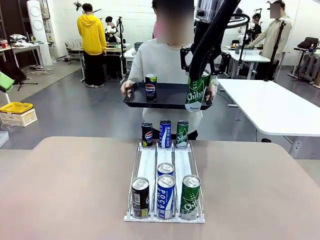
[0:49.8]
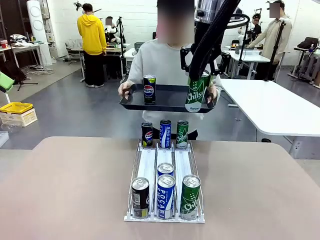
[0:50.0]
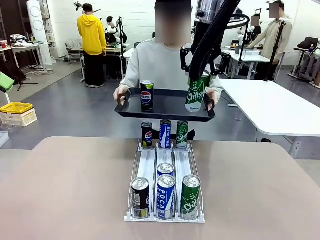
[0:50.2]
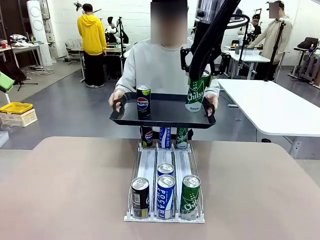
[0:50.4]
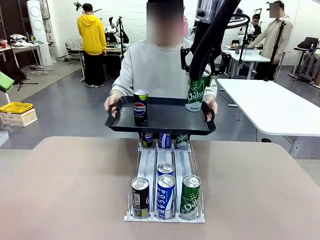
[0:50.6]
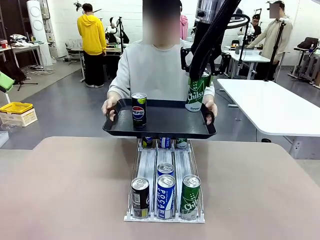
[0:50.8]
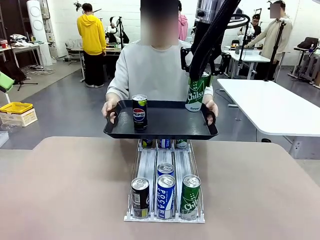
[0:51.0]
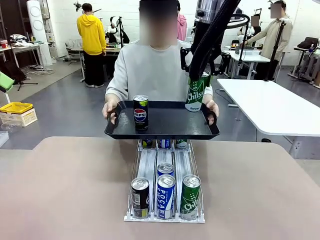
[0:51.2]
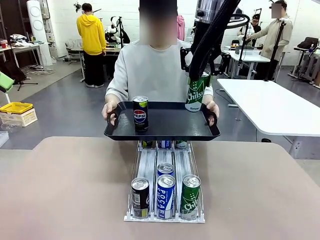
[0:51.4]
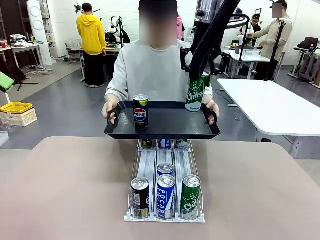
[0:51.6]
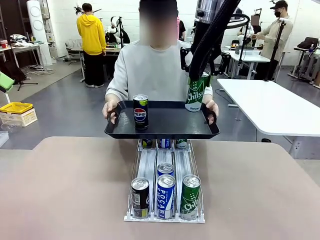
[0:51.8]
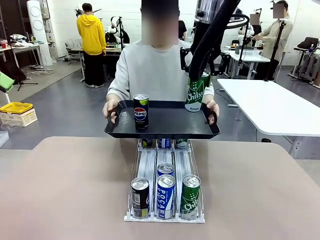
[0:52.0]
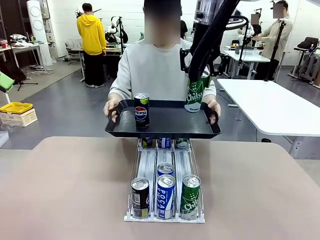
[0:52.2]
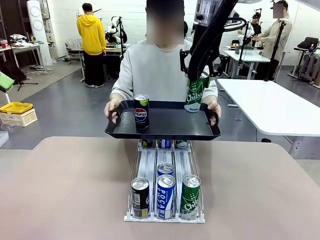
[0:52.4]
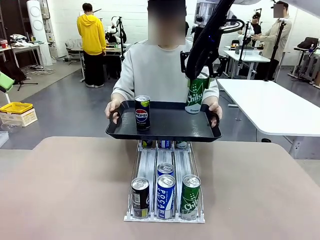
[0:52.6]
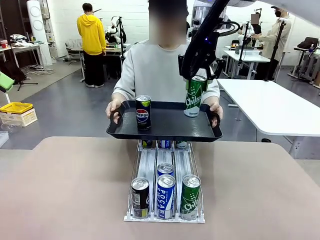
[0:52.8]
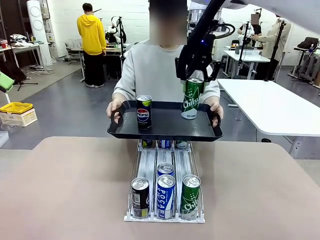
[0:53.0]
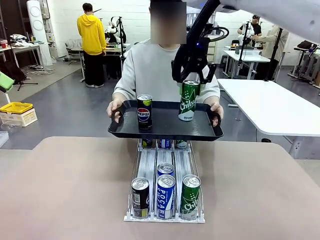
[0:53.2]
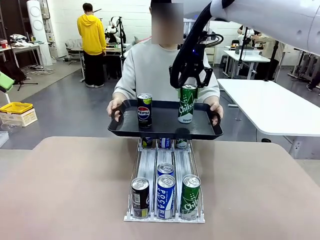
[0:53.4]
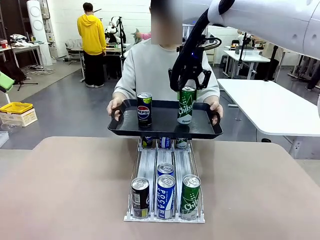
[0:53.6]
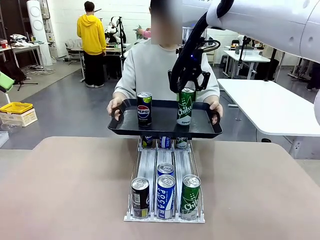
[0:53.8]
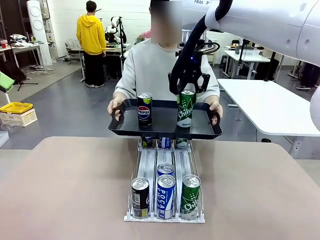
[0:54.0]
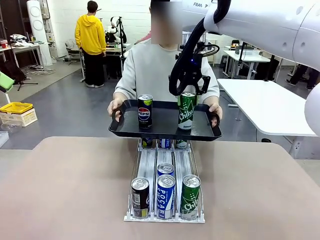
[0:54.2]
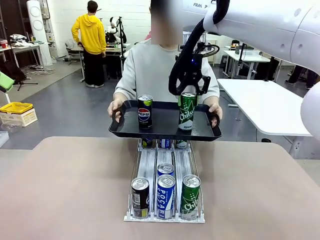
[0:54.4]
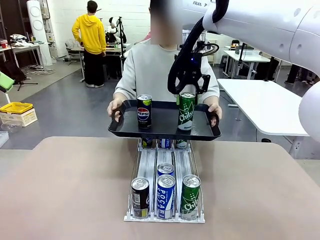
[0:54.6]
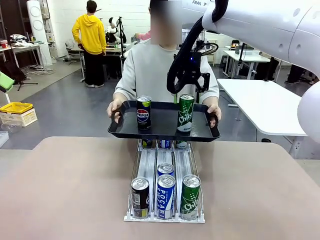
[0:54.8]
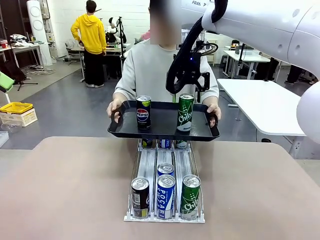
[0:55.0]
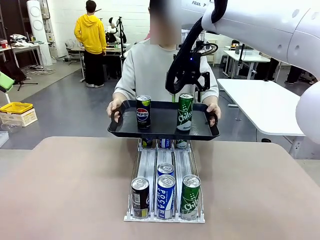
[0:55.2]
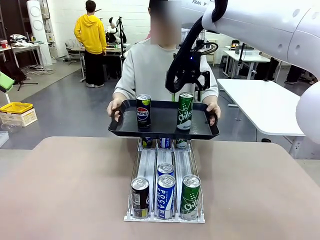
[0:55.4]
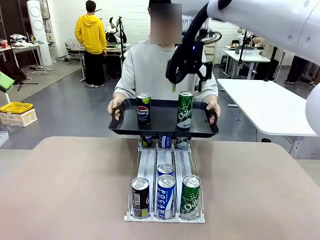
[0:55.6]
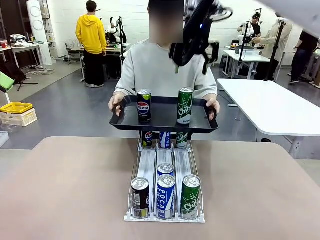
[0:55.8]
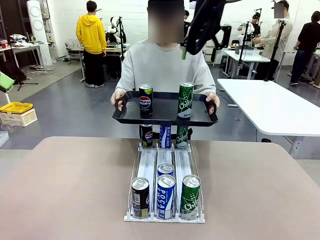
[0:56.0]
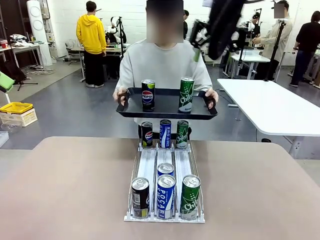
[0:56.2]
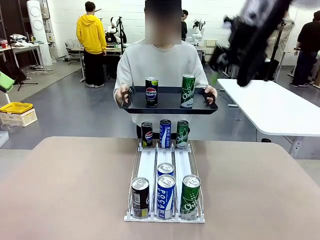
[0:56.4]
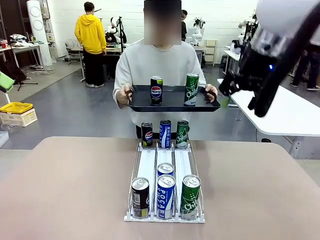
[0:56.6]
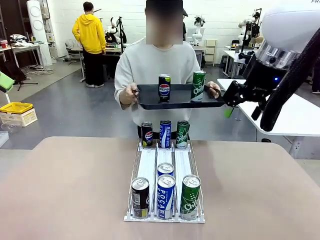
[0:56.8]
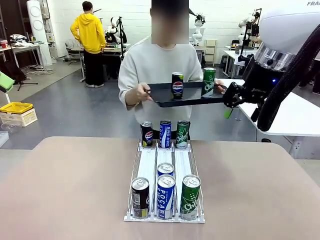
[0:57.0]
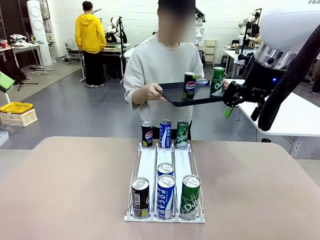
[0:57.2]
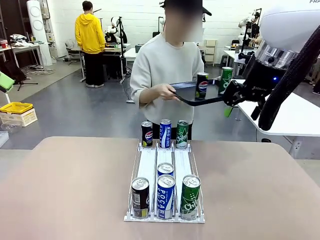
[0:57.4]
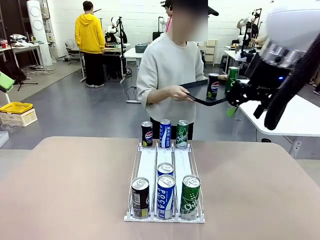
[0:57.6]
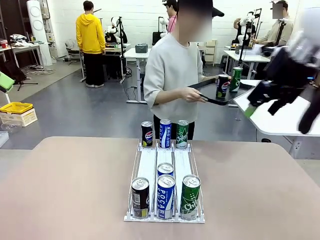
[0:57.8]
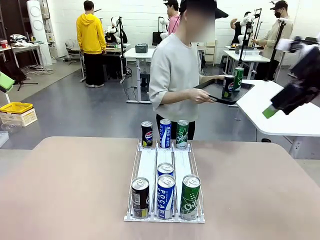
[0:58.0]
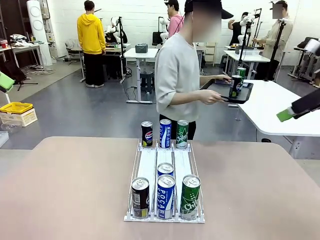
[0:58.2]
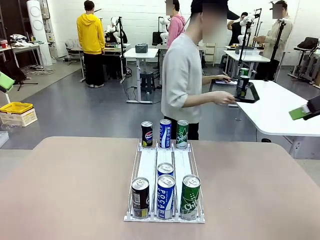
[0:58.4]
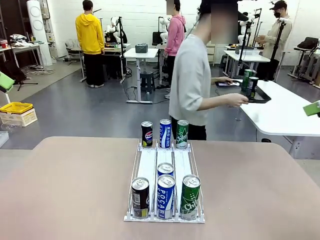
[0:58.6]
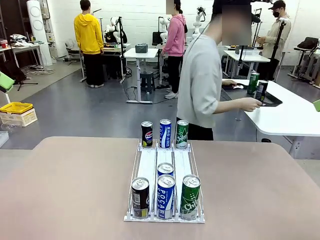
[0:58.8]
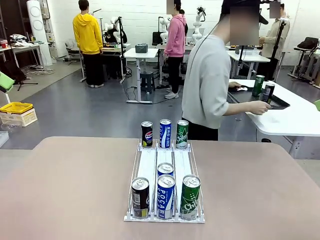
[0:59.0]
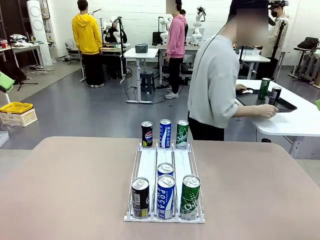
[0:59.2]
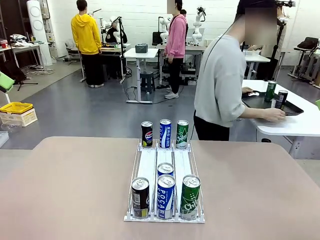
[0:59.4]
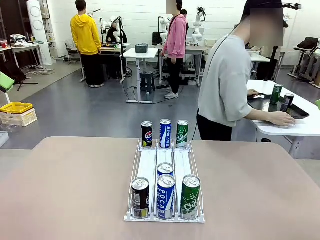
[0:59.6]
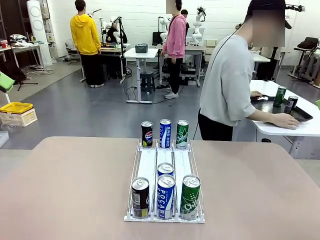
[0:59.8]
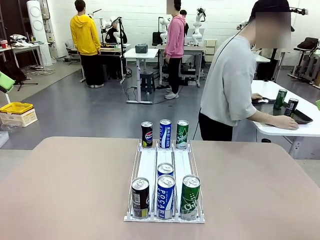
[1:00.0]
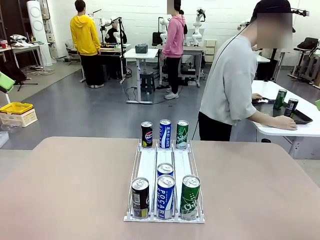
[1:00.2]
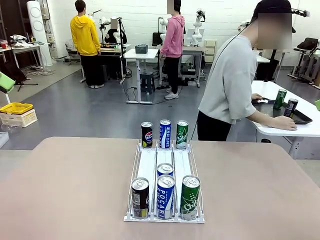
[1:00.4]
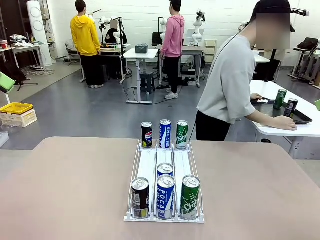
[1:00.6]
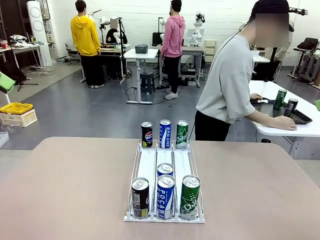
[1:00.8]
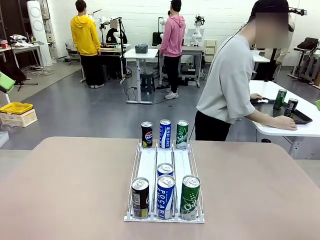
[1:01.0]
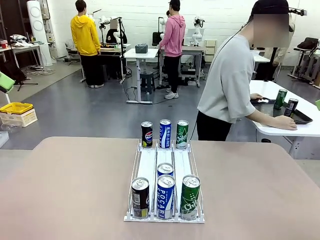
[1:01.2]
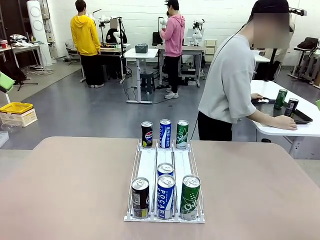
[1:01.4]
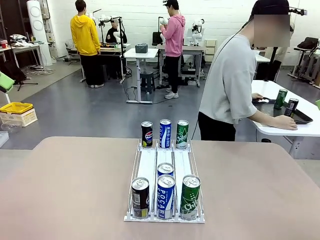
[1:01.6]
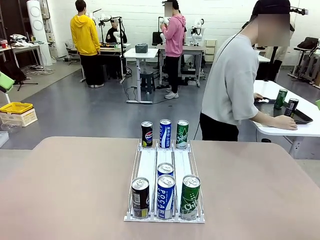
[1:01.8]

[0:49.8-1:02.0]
Task: Retrieve and hand over the desired beverage to the person.
Robot: Place the picked can on the Handle tray extended by the person.
Person: Pull the tray back and place it at the center of the human table.

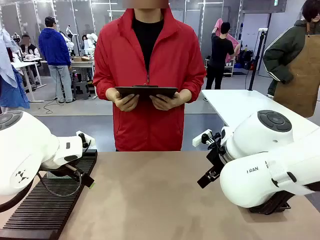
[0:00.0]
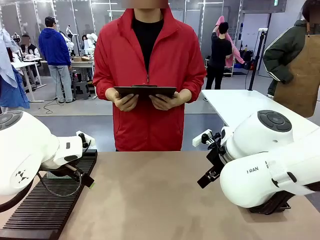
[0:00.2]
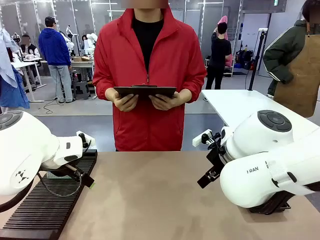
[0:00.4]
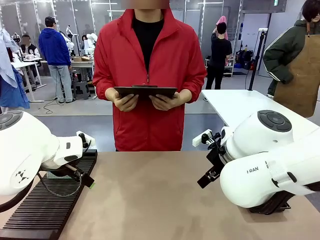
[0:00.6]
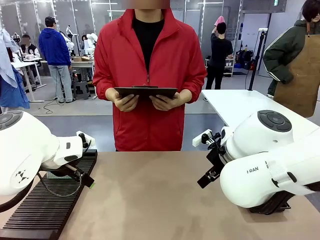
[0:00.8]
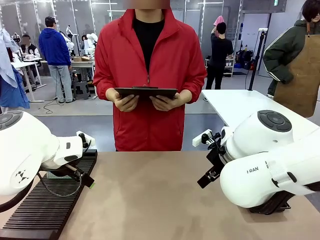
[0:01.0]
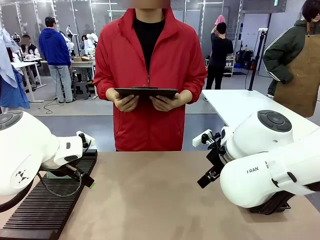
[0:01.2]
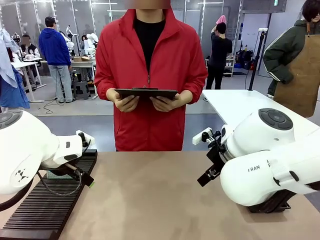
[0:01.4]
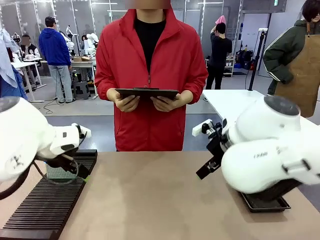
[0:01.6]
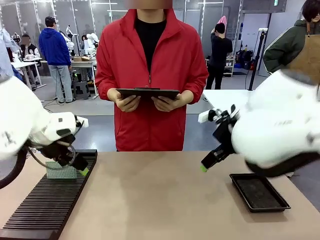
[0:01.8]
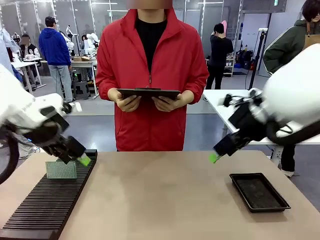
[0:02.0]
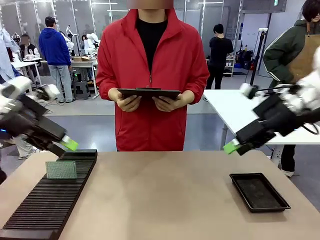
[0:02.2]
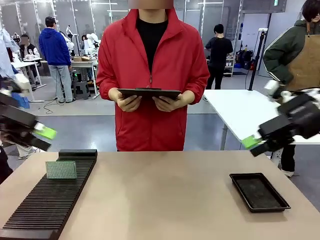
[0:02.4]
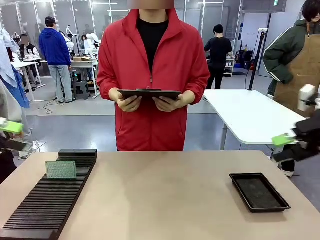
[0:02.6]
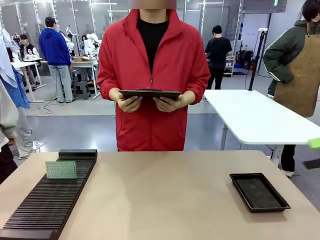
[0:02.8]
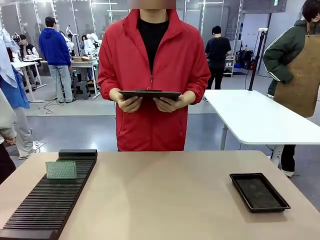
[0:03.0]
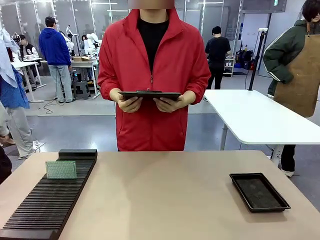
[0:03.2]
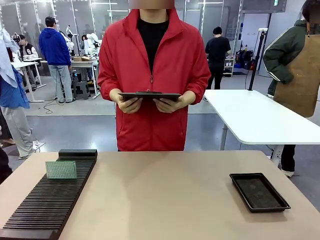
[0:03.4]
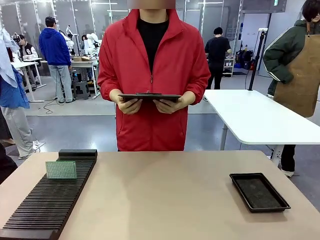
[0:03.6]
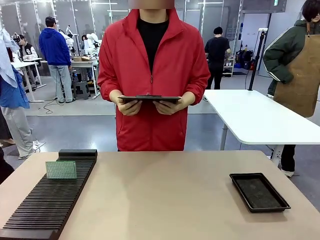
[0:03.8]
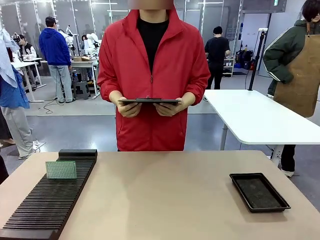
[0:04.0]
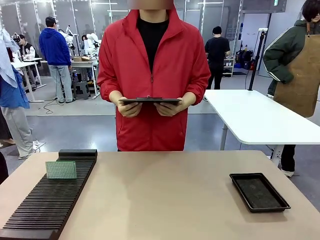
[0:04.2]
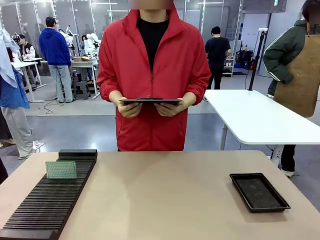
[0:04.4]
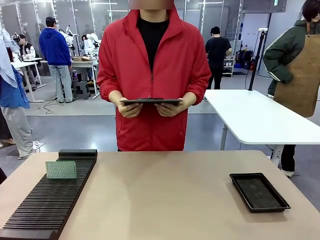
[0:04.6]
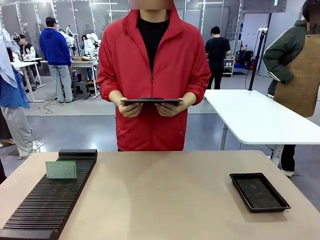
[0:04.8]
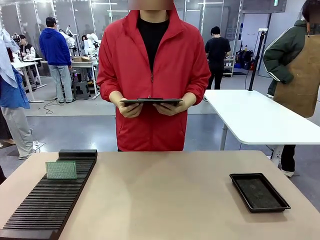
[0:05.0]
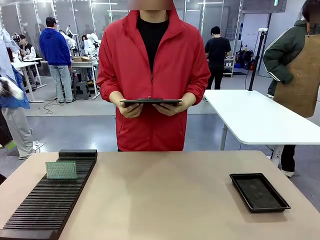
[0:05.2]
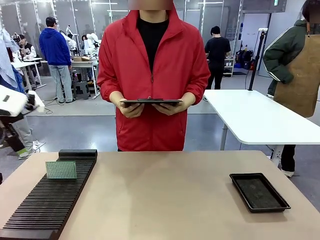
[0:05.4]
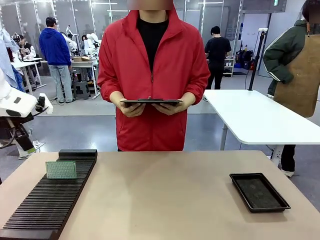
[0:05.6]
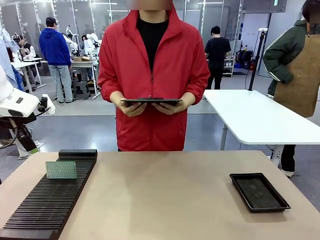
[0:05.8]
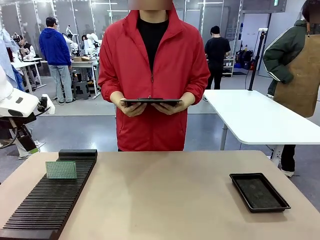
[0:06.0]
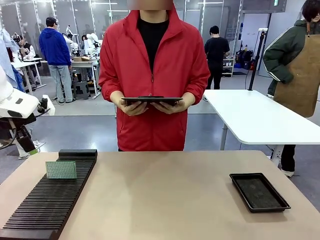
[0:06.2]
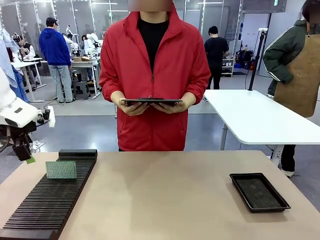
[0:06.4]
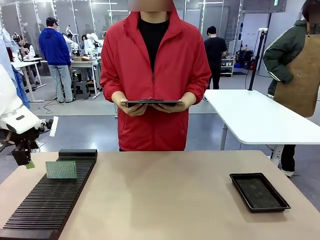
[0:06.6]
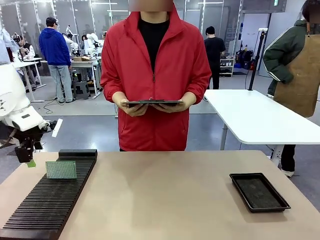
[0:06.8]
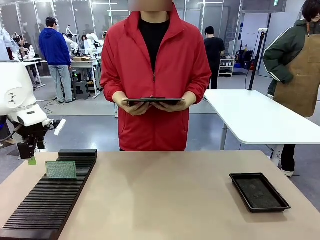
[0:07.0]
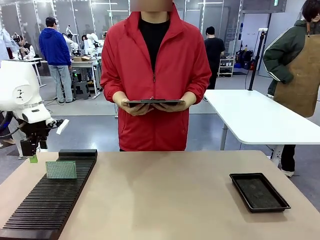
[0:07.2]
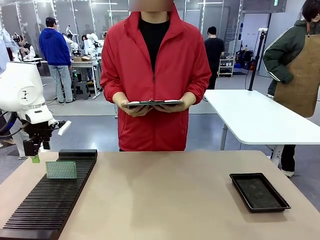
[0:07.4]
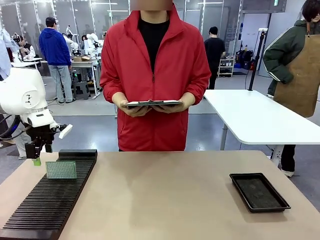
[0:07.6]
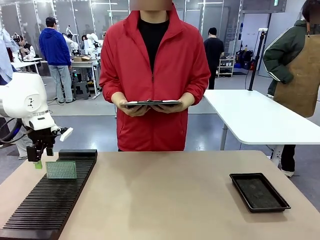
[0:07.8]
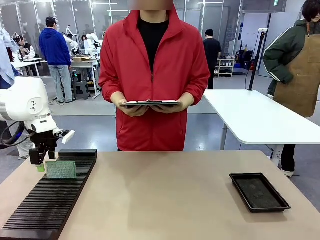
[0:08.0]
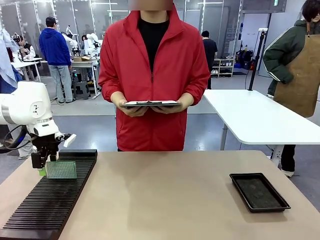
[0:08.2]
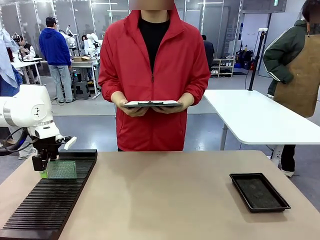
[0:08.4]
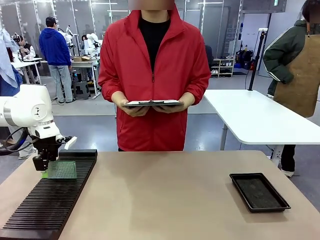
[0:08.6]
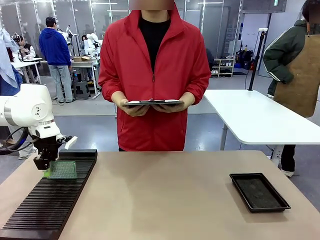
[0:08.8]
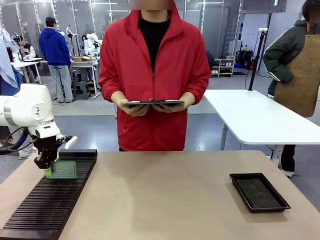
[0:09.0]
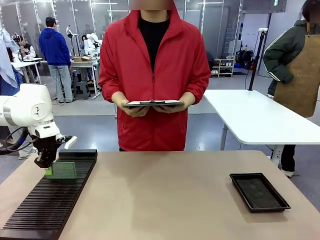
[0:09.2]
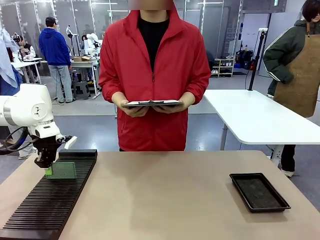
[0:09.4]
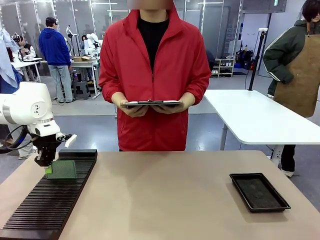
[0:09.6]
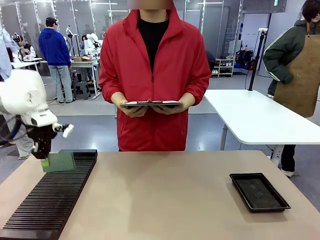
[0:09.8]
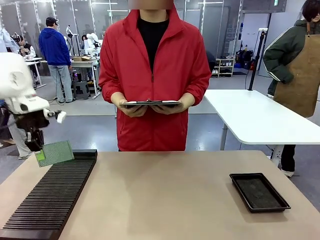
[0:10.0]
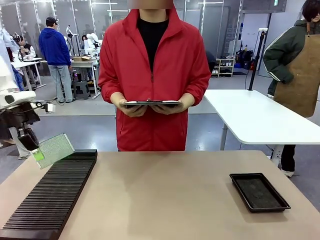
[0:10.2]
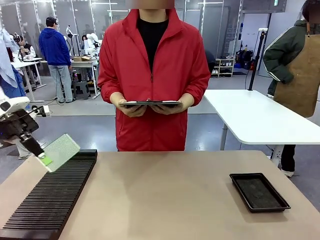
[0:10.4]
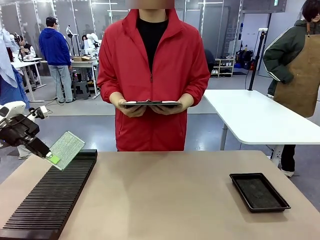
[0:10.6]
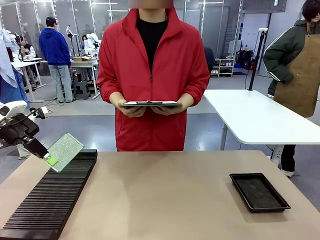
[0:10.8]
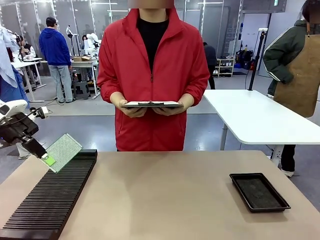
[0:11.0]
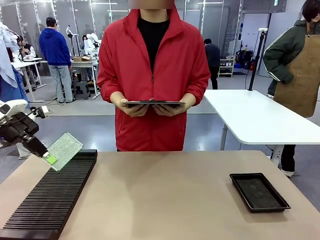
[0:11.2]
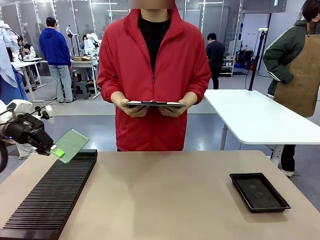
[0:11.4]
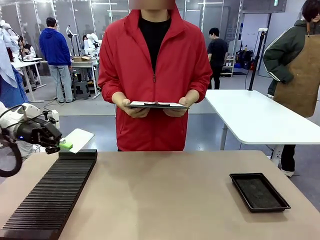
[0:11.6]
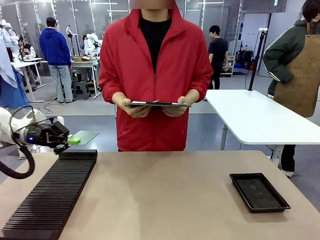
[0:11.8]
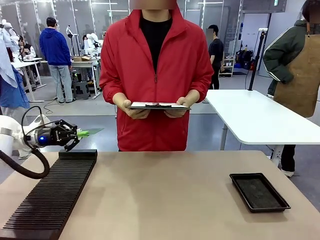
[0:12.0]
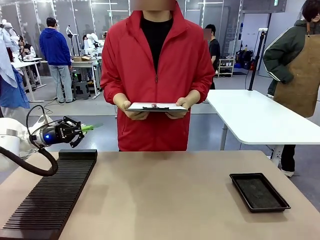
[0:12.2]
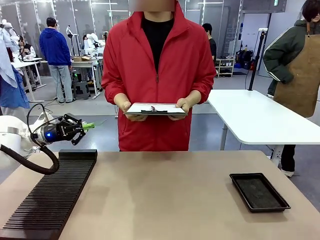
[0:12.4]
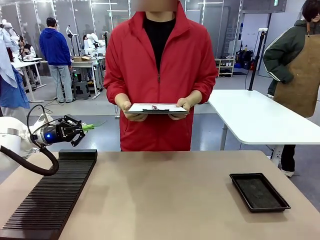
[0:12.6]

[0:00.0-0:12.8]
Task: Inspect the PCB.
Robot: Pick up the Blank PCB and present it to the human.
Person: Pick up the PCB presented by the robot.
